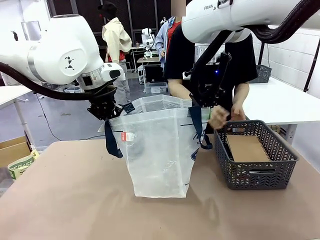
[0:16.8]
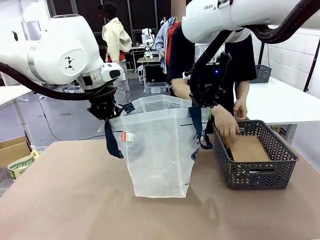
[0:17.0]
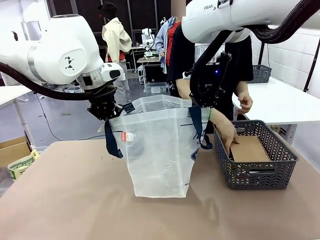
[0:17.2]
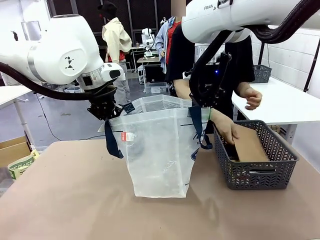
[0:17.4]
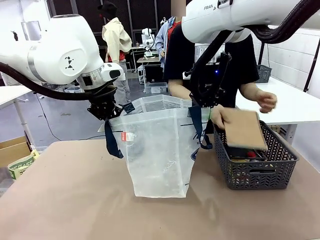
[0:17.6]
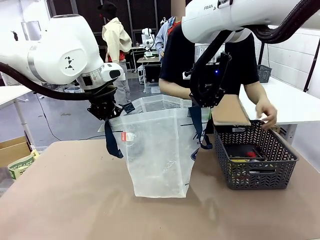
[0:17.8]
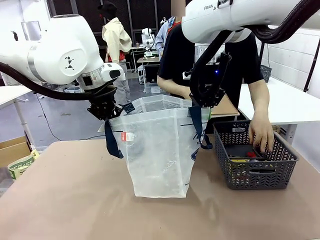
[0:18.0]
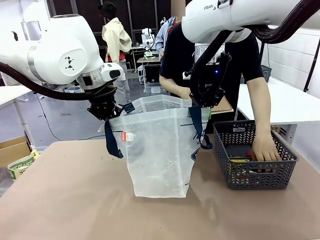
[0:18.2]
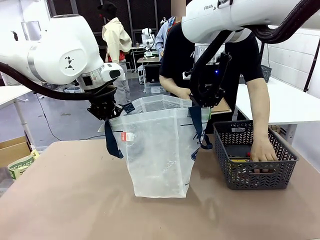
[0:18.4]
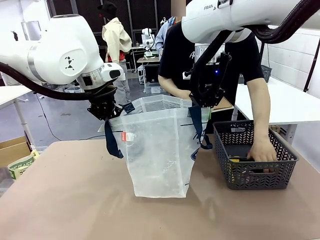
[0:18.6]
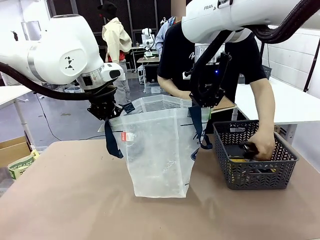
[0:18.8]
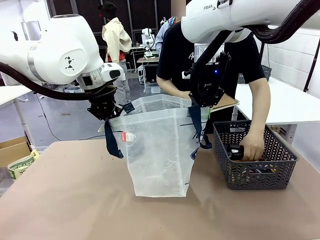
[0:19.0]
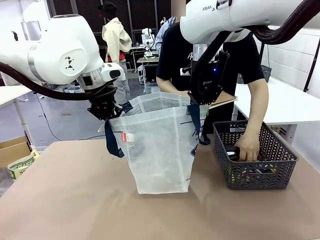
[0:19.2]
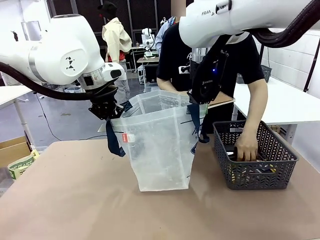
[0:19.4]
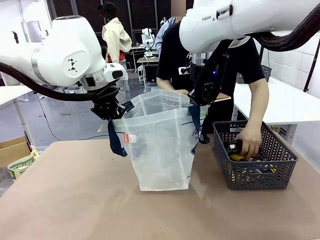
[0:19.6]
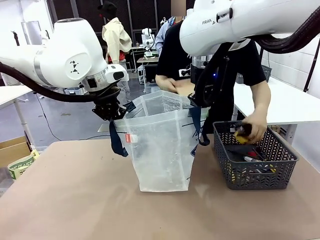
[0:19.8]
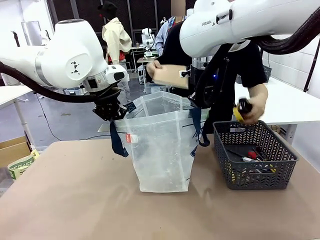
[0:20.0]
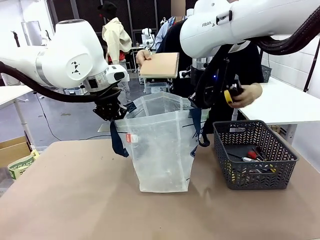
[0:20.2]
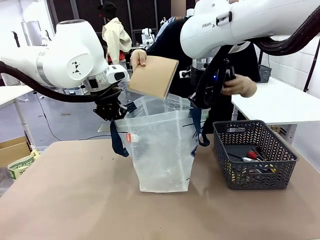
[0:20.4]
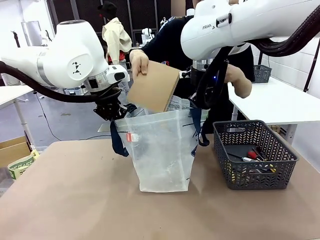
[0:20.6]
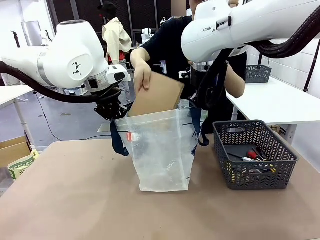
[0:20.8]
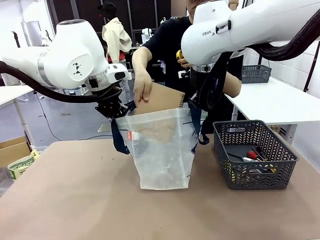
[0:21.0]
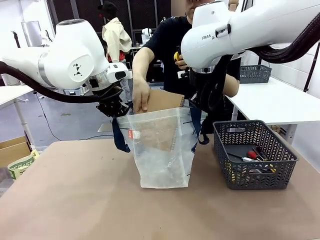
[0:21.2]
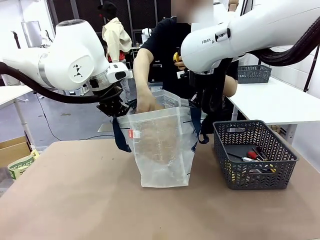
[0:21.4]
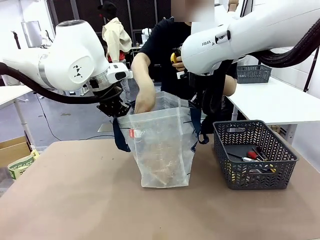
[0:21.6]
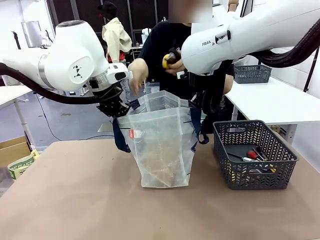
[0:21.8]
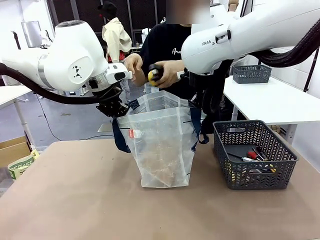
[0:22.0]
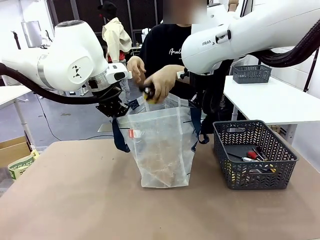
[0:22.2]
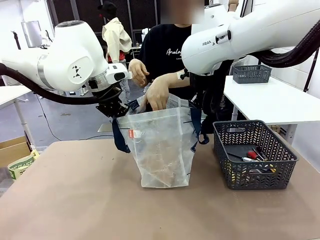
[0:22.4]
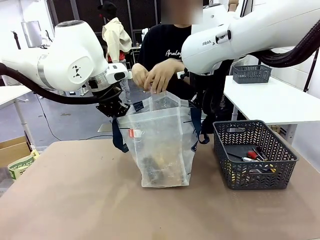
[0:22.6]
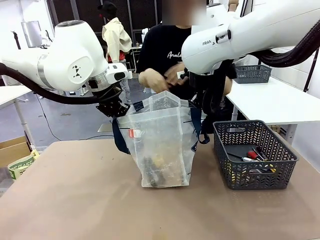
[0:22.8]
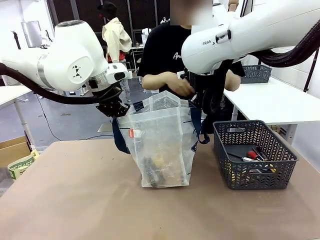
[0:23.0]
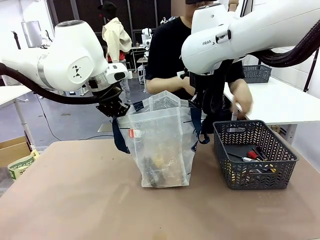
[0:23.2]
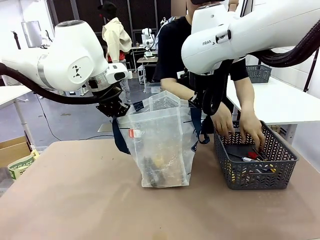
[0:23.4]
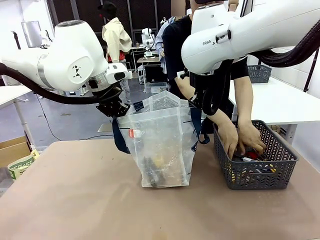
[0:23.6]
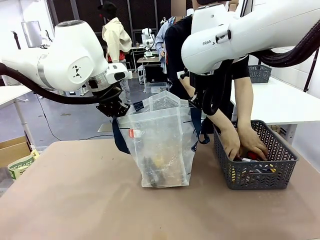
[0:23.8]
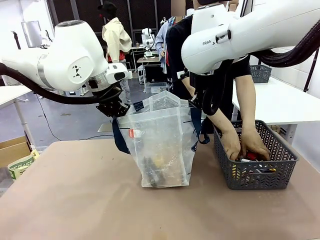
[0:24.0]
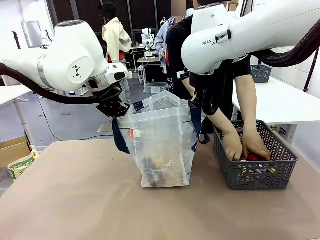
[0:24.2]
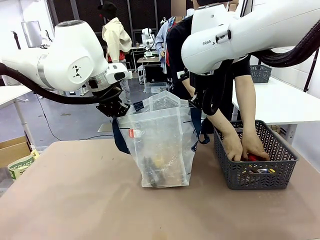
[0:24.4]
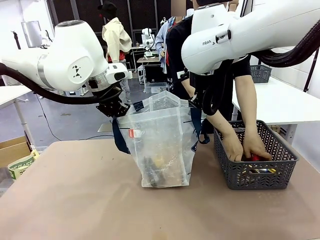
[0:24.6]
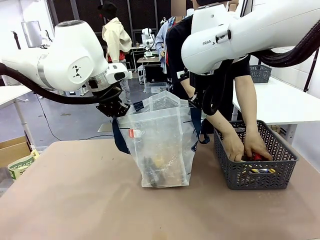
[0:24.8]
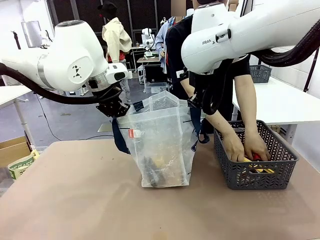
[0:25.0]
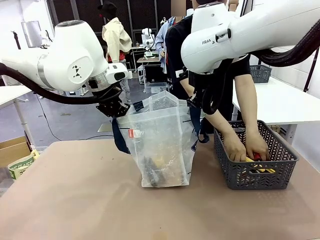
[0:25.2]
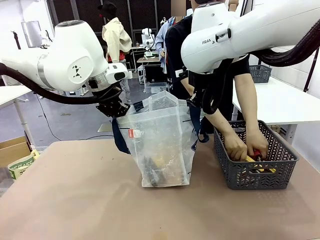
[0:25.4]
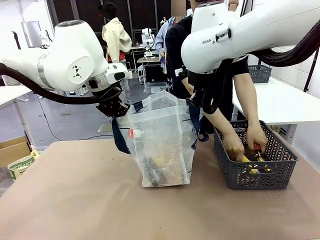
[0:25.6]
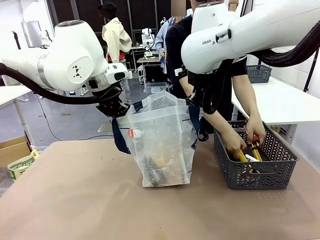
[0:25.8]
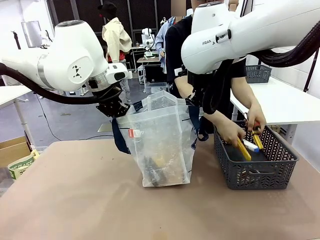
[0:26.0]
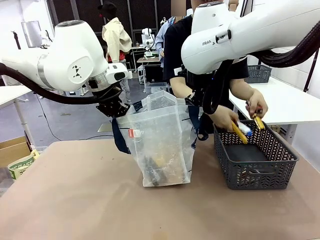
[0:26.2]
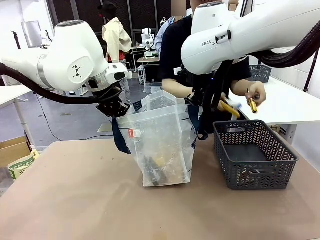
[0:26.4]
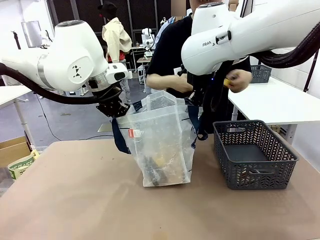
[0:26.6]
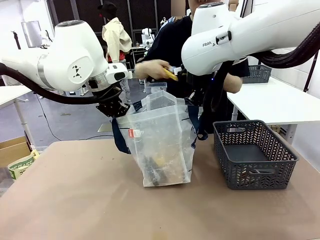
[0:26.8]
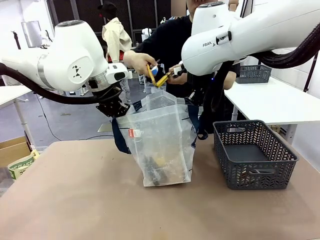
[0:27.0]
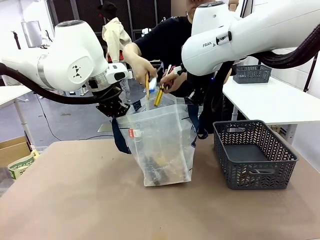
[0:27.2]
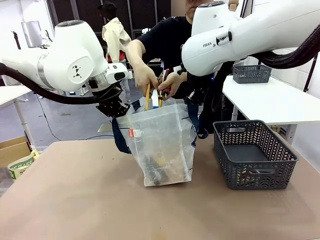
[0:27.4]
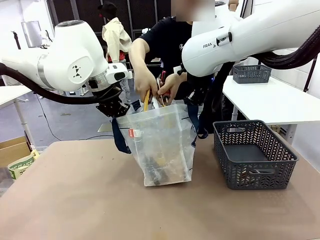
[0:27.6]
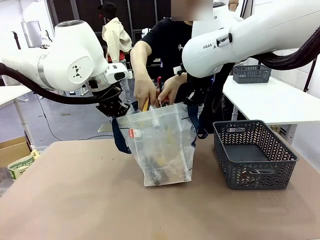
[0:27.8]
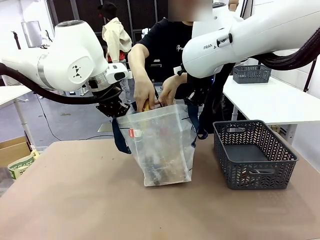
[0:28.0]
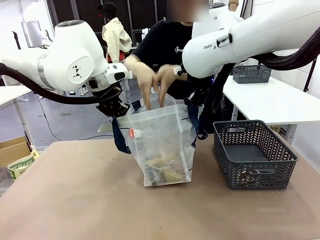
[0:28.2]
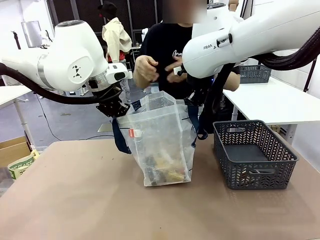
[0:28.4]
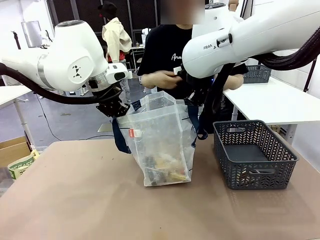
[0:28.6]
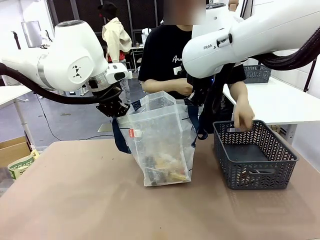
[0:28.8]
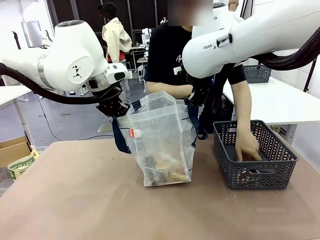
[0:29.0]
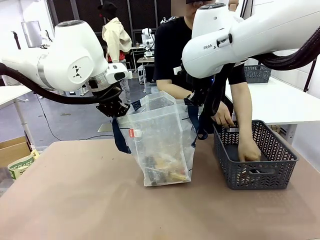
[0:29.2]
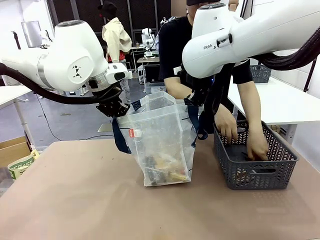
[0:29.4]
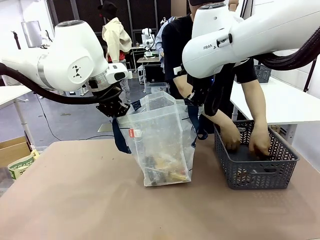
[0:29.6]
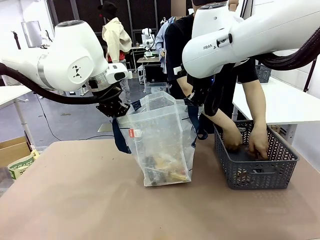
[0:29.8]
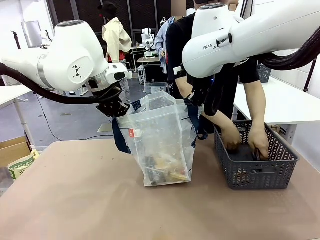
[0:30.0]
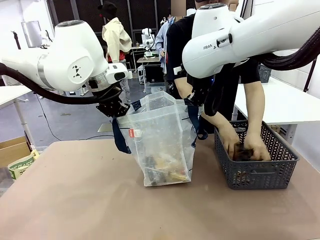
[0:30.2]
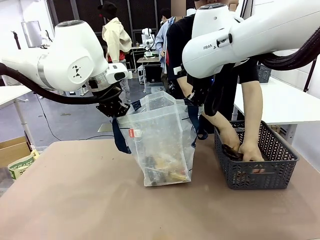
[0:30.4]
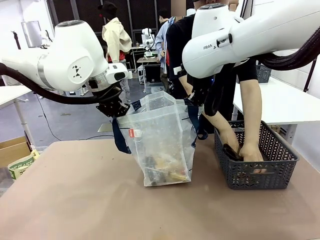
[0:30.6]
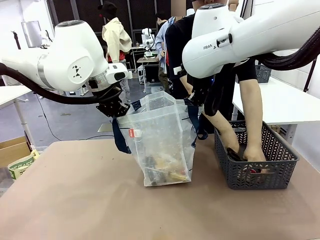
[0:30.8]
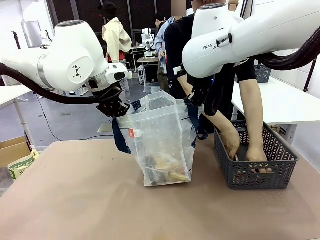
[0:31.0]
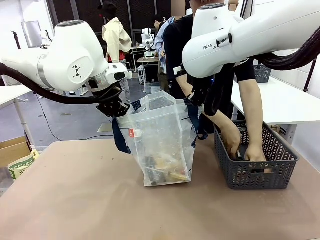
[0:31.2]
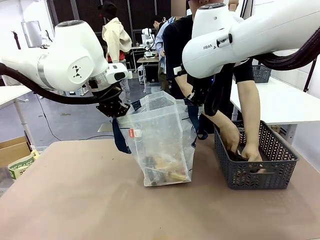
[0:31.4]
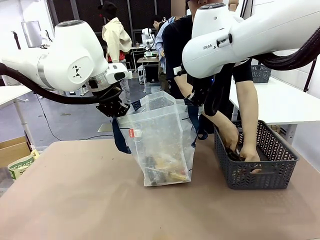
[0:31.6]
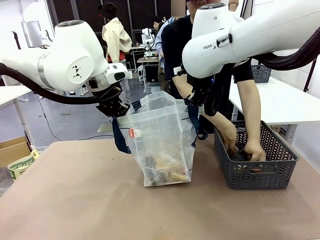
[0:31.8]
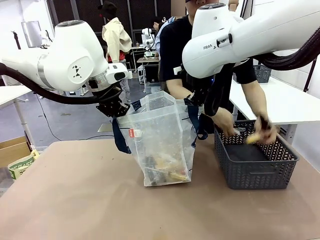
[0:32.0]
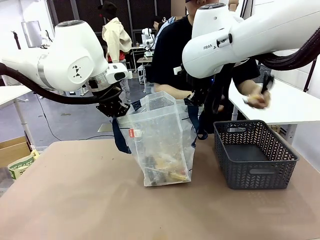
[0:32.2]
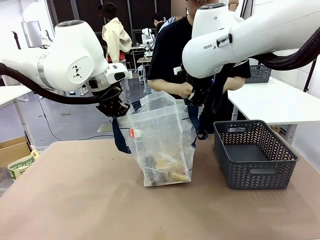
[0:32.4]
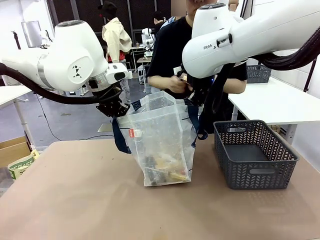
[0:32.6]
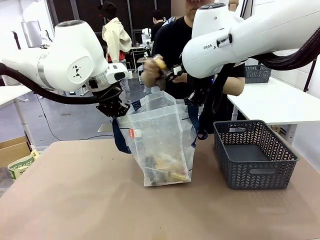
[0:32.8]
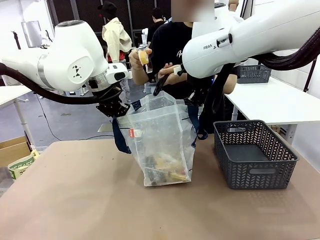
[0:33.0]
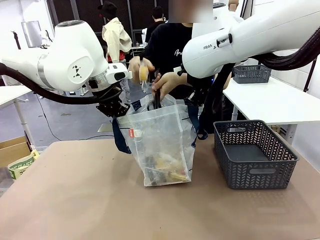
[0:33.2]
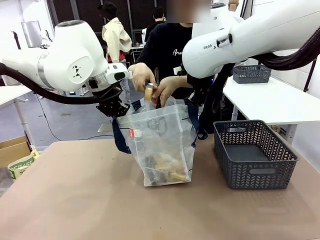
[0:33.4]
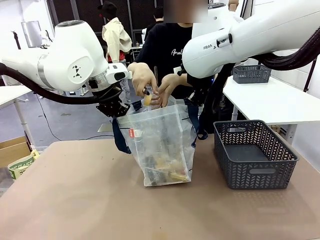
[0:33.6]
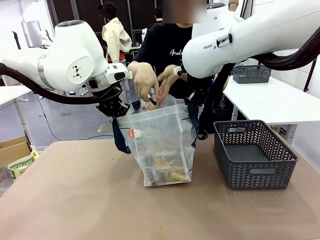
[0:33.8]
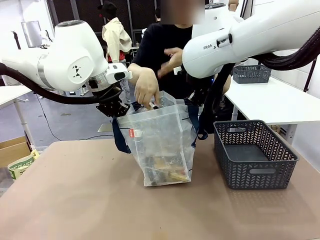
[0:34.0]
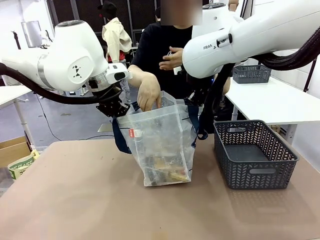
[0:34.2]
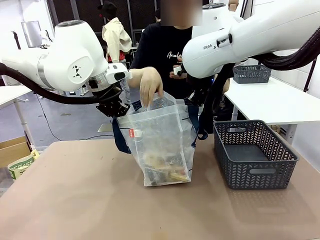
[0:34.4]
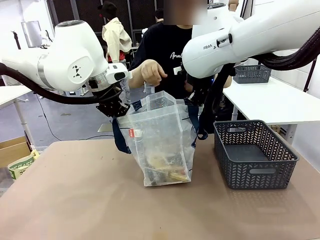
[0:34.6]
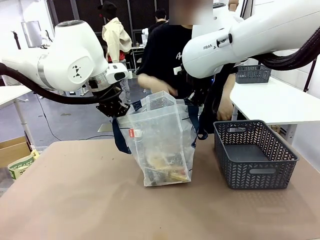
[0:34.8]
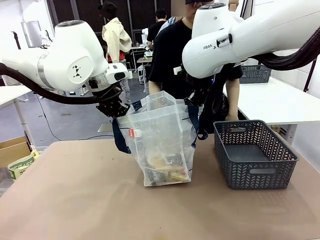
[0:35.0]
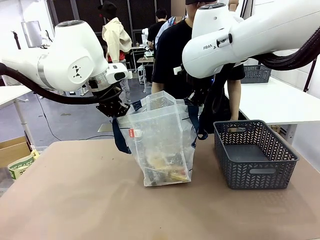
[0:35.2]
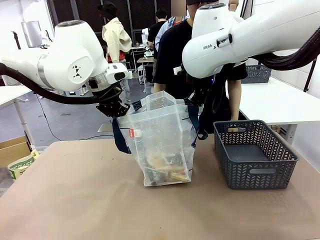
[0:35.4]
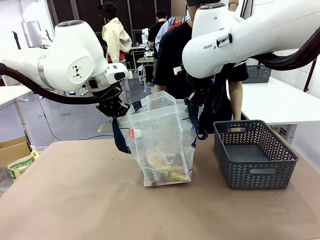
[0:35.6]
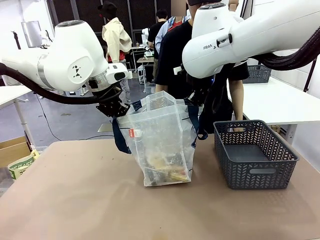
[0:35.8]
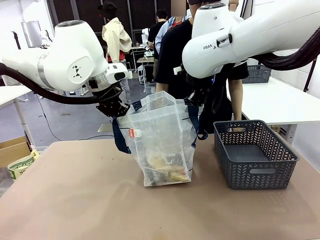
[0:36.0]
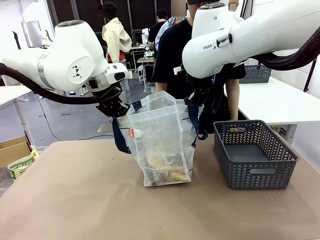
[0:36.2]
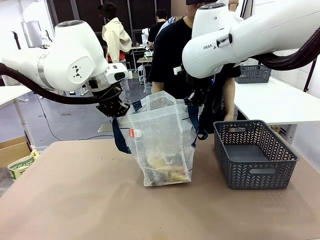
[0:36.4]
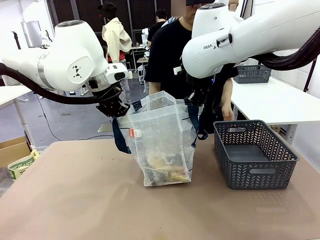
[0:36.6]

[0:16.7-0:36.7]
Task: Transfer purchased items from the store into the shopping bag.
Robot: Move the Reusable shopping bag to the right side of the table.
Person: Pick up the basket on the right, place it on the left side of the robot table, and move the items in the basket to the shopping bag.
